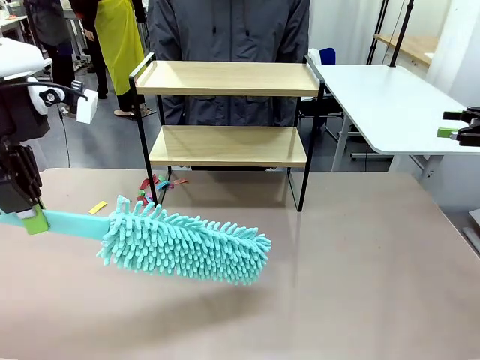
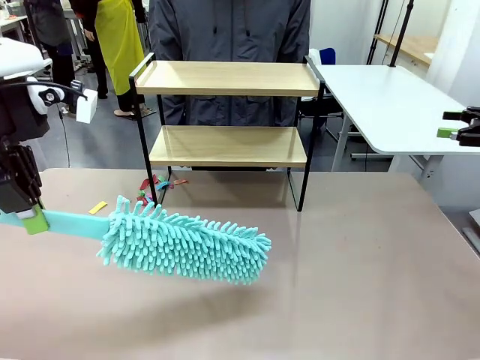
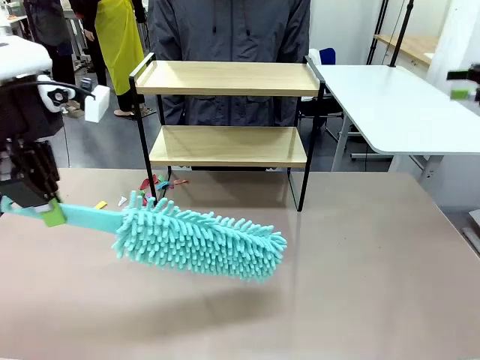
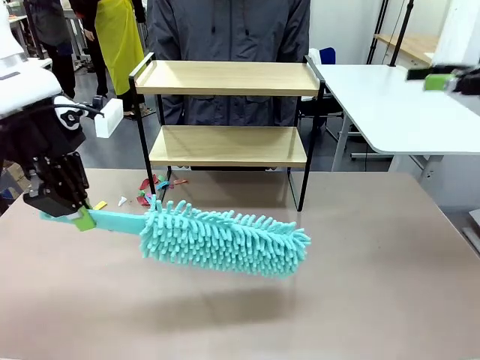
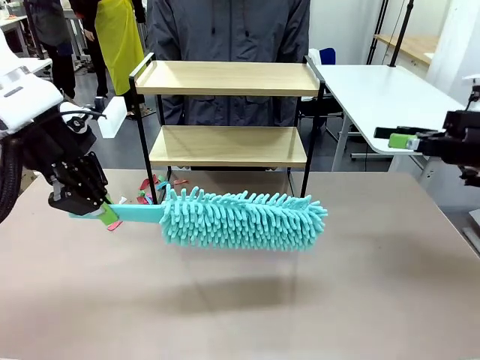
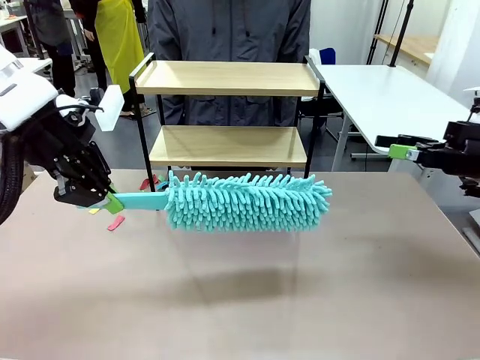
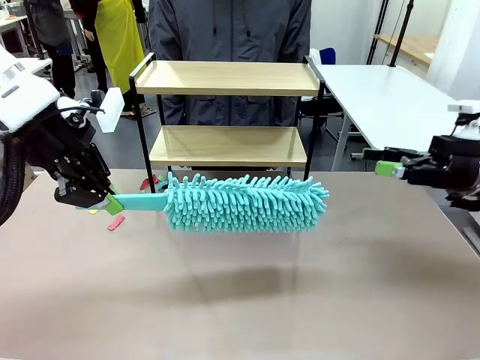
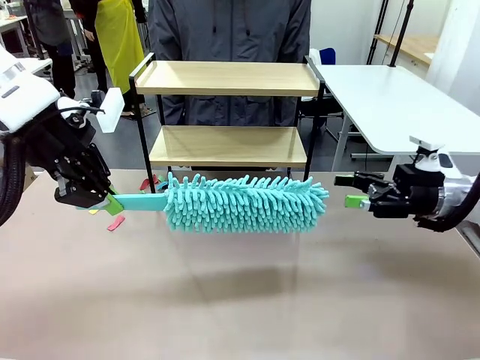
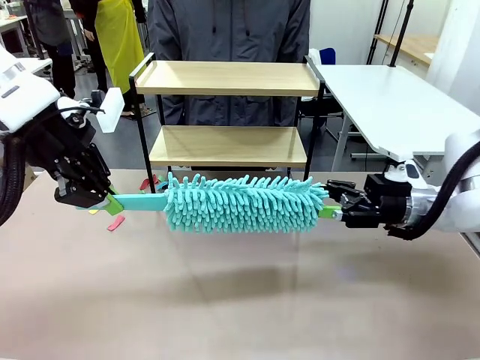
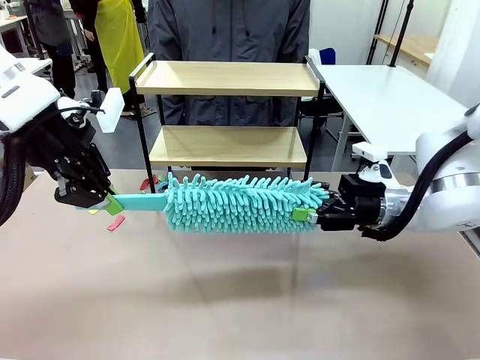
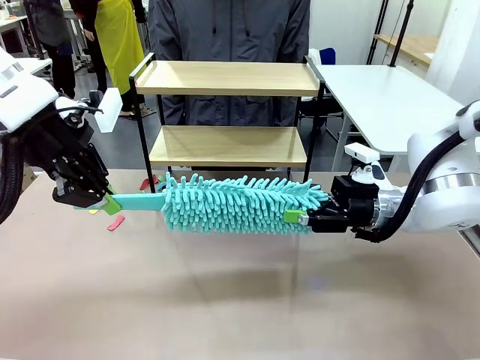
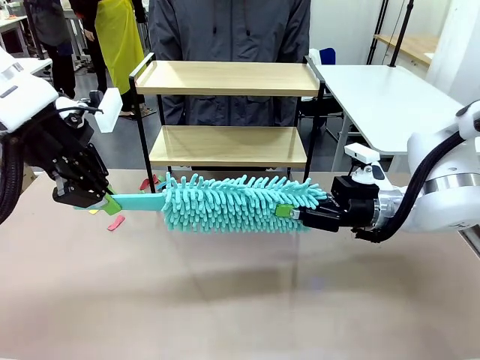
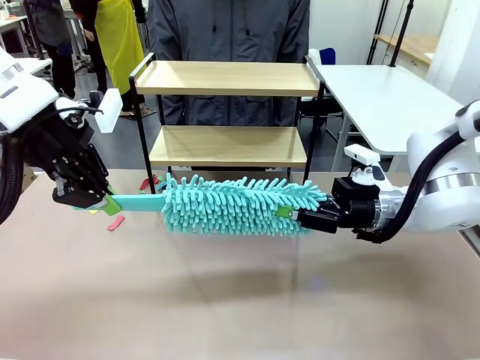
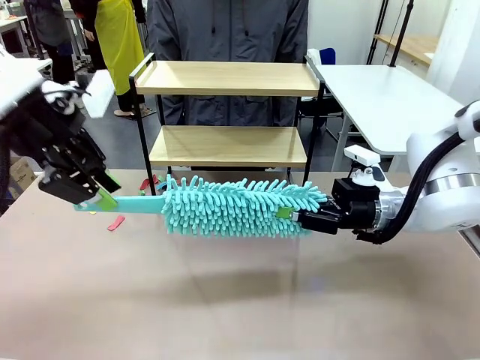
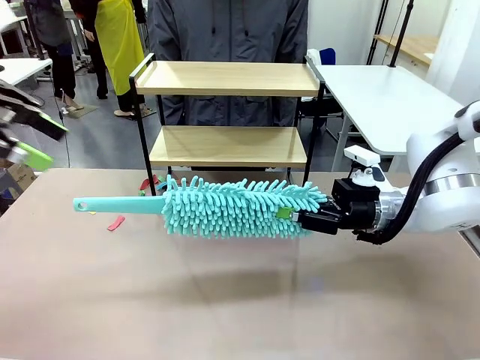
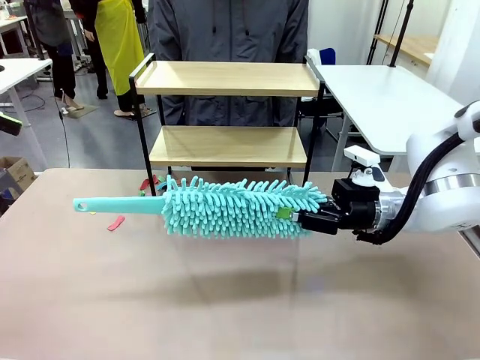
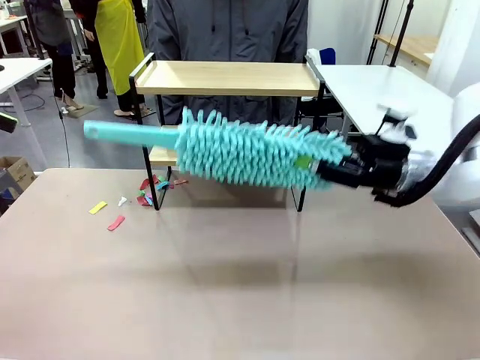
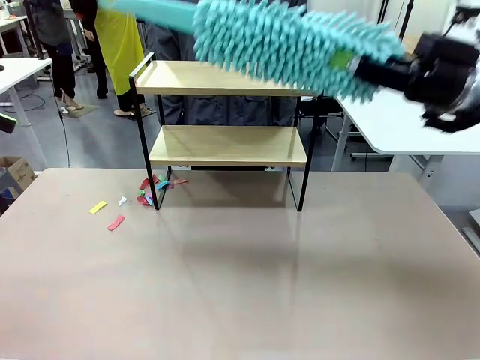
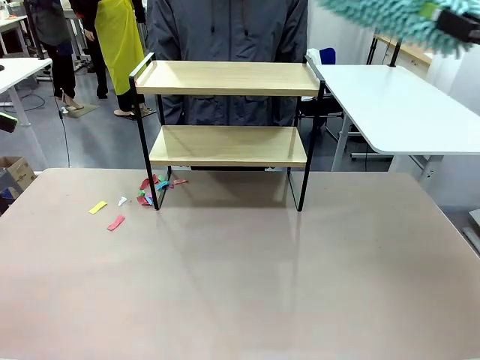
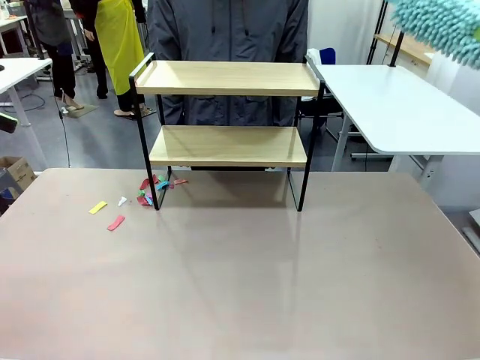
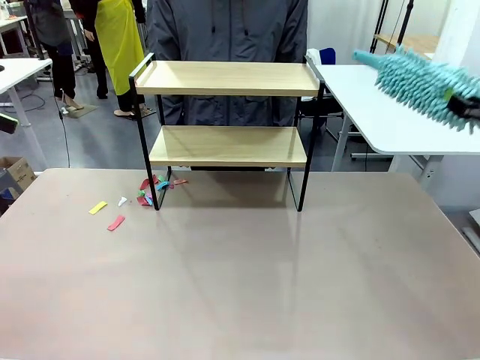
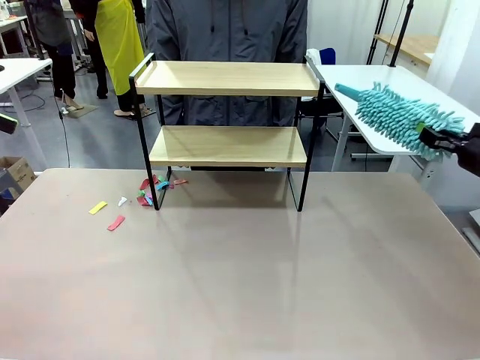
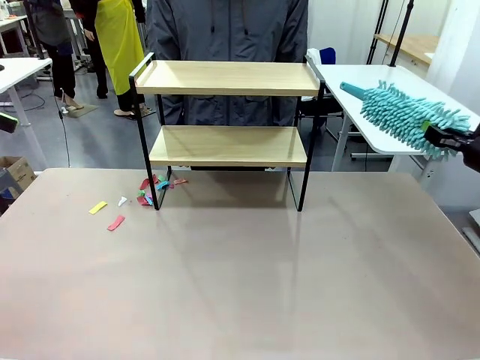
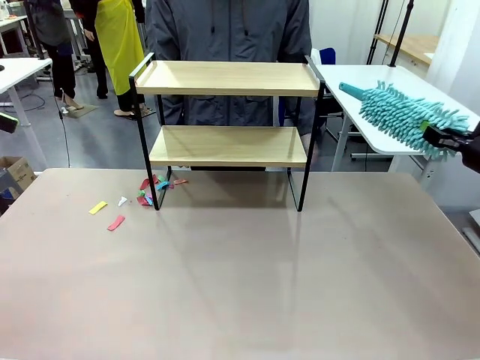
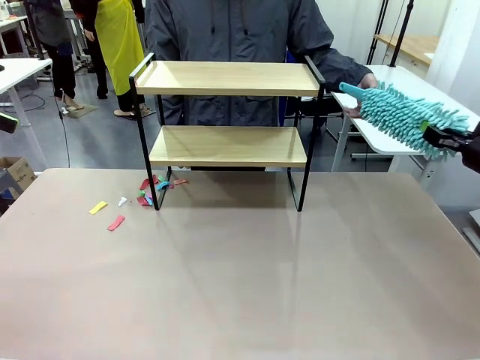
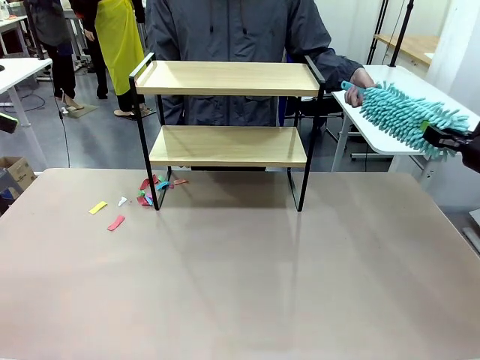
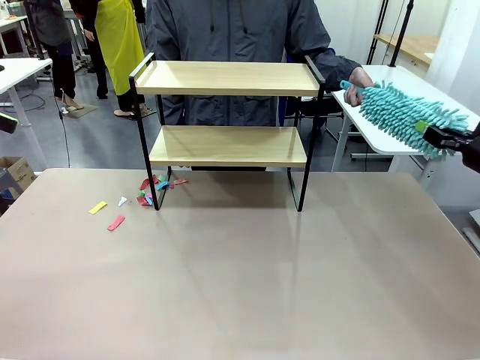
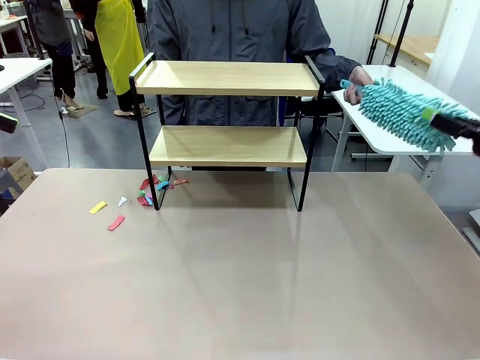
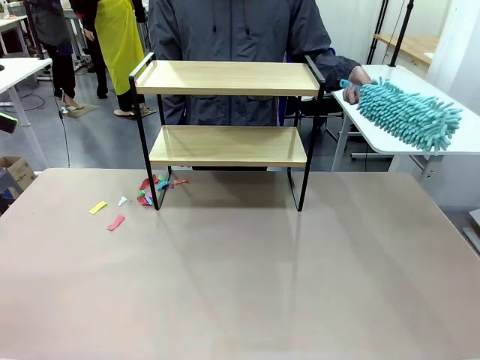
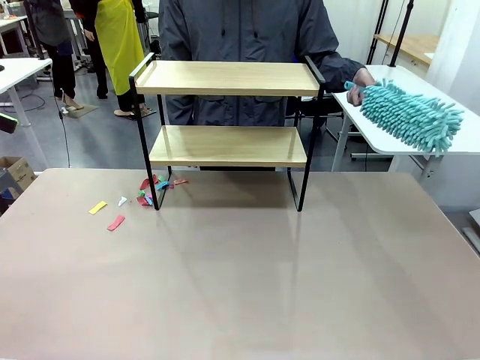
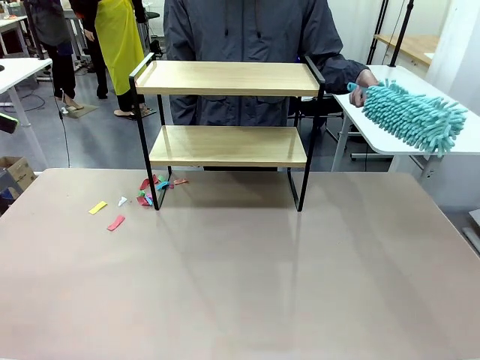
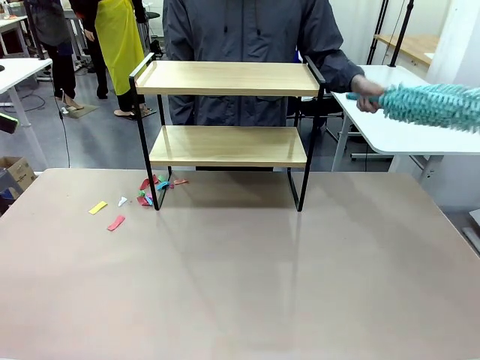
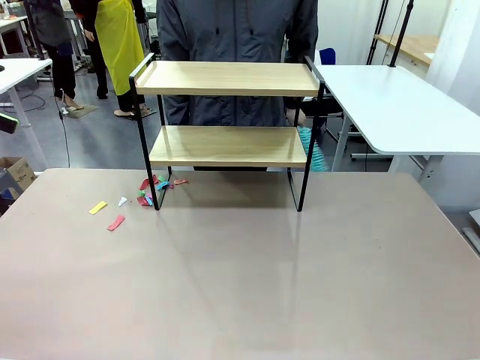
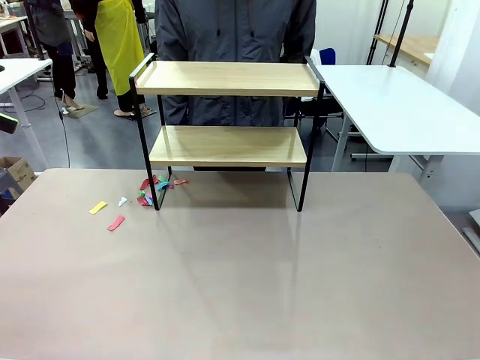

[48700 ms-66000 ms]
Task: Clean the shelf.
Robot: Hand the Duster back to the human.
Person: Receive the Duster from the robot.
